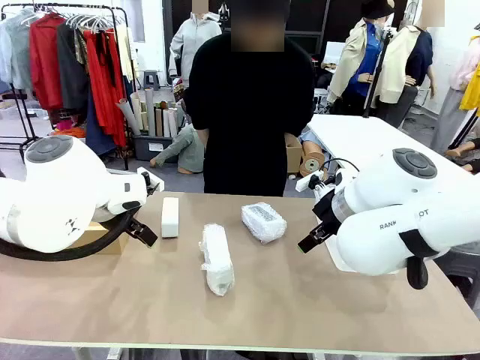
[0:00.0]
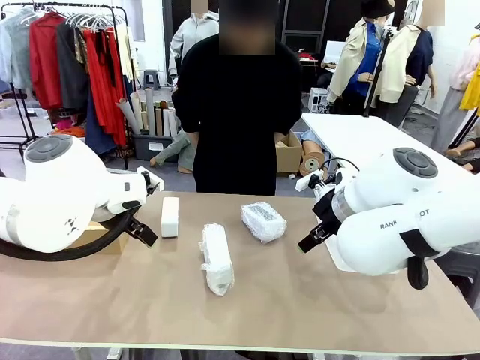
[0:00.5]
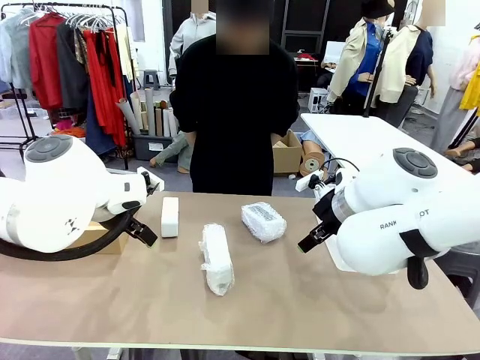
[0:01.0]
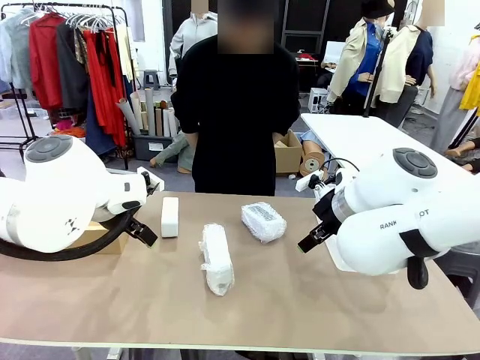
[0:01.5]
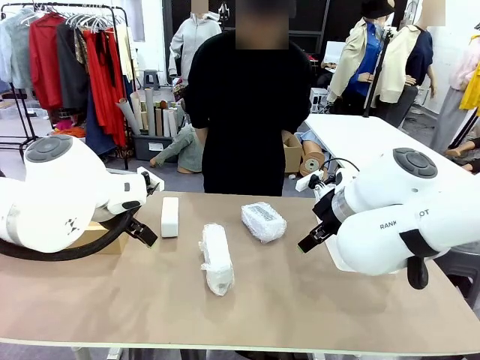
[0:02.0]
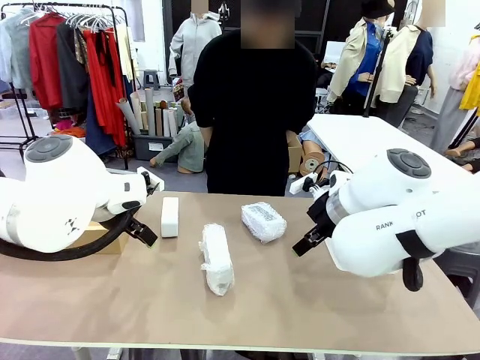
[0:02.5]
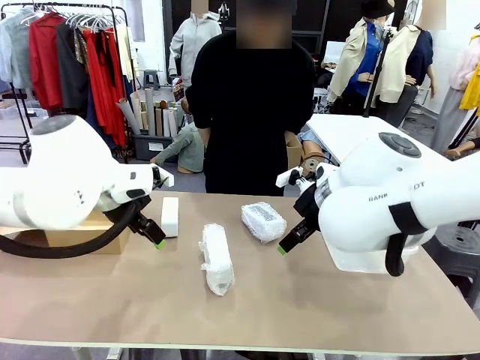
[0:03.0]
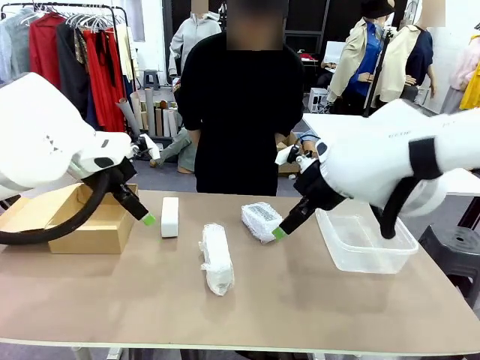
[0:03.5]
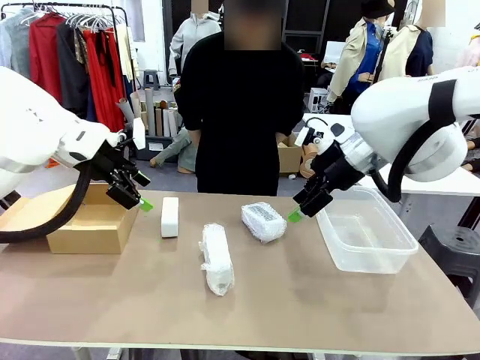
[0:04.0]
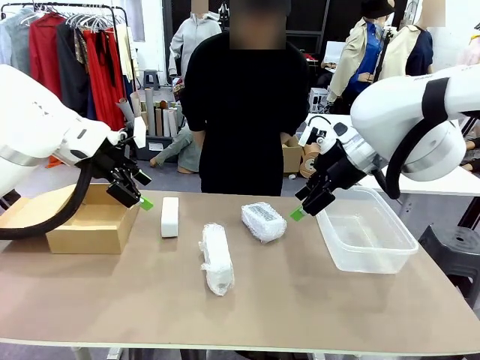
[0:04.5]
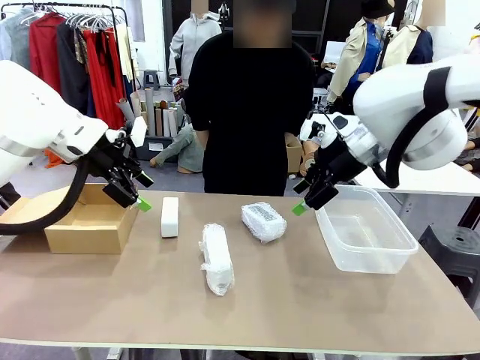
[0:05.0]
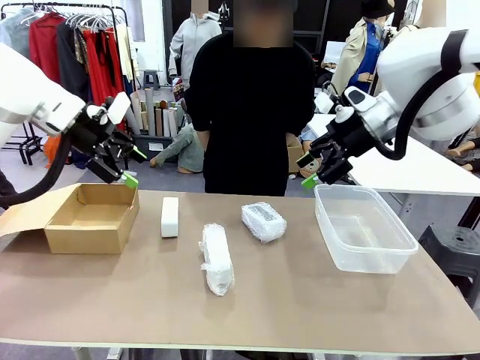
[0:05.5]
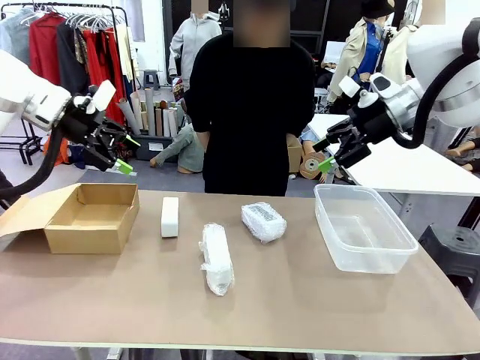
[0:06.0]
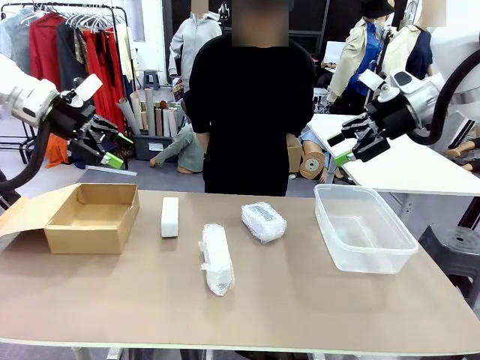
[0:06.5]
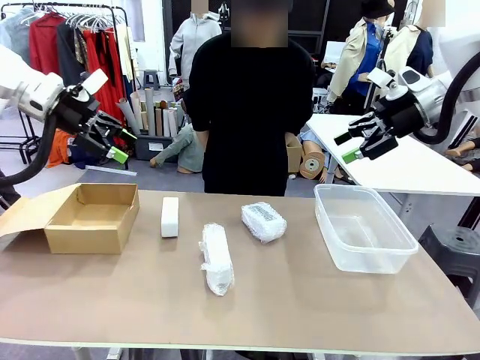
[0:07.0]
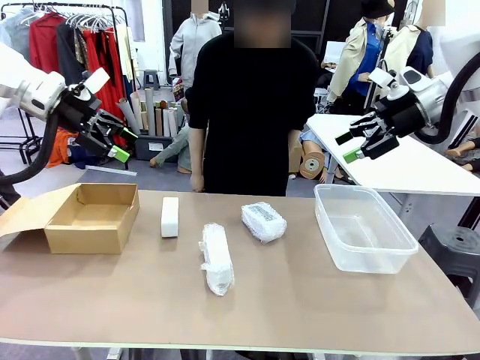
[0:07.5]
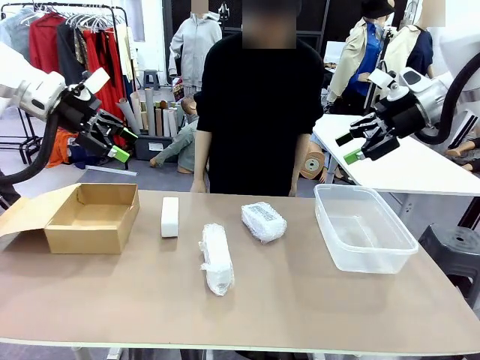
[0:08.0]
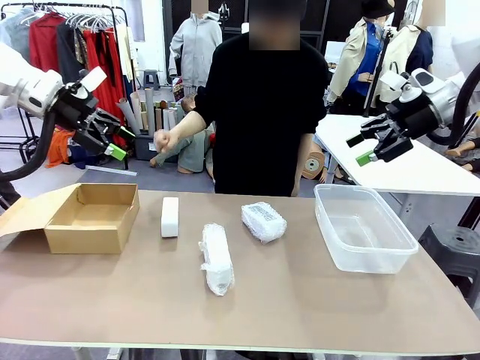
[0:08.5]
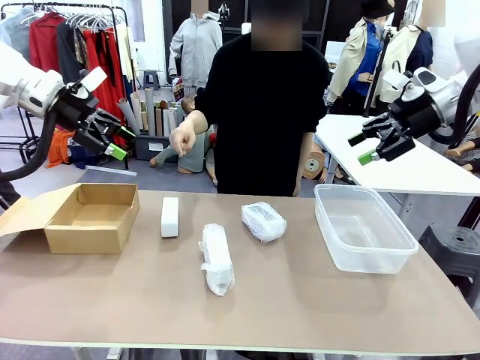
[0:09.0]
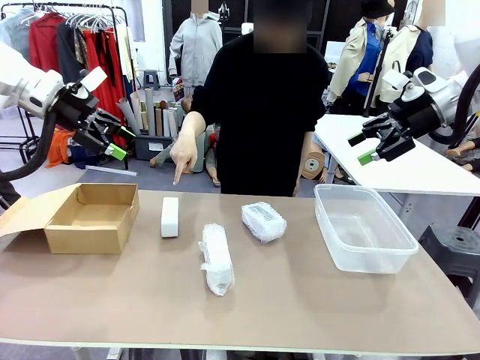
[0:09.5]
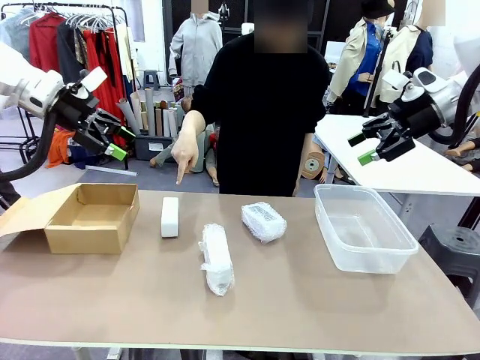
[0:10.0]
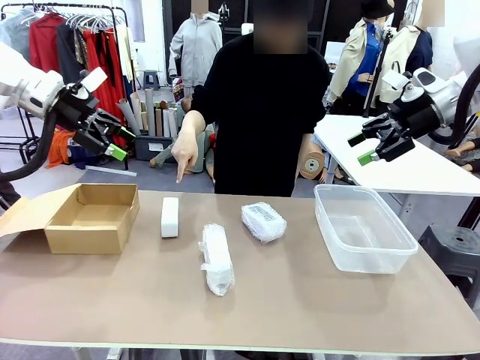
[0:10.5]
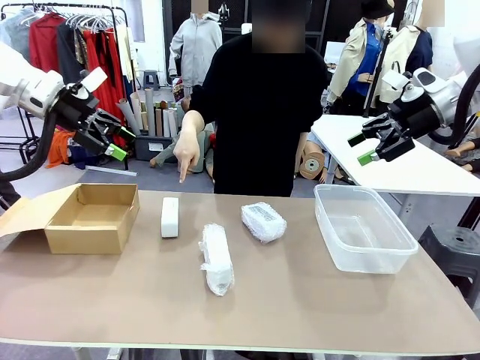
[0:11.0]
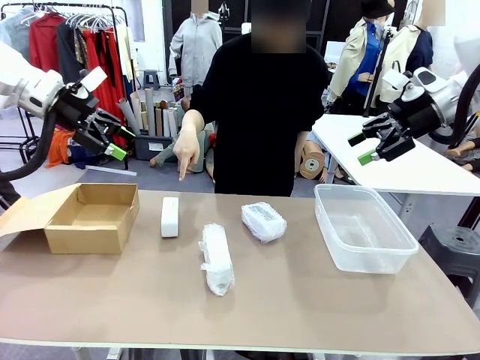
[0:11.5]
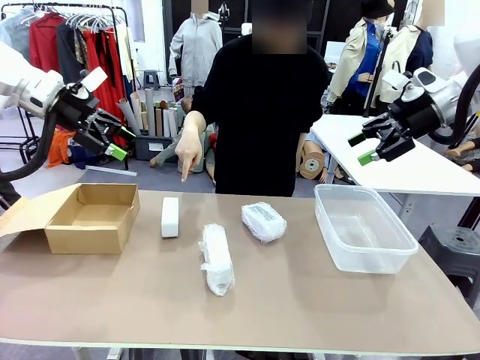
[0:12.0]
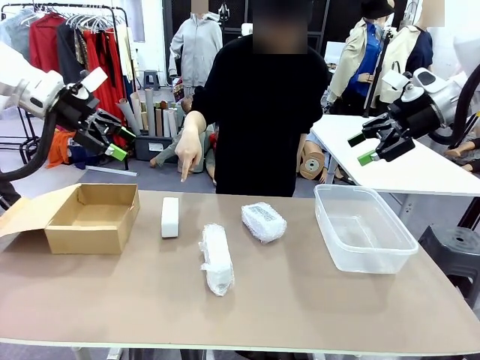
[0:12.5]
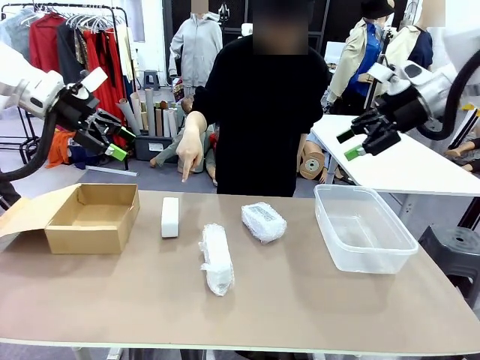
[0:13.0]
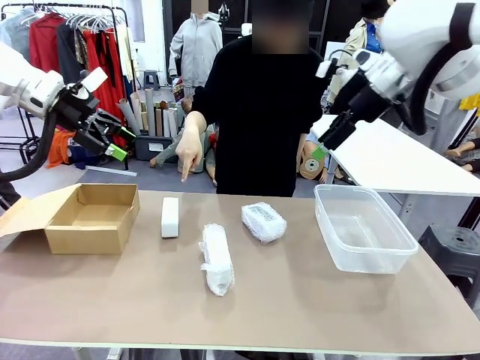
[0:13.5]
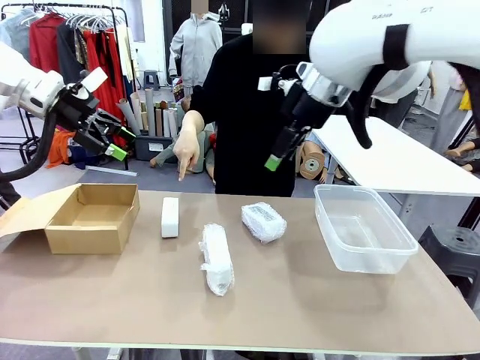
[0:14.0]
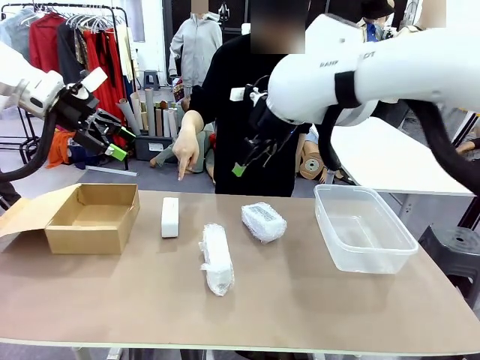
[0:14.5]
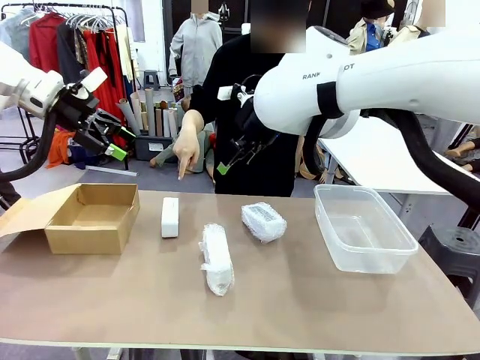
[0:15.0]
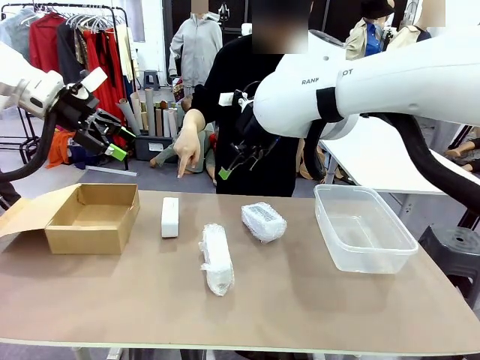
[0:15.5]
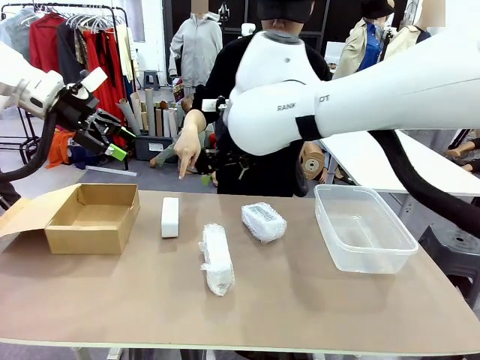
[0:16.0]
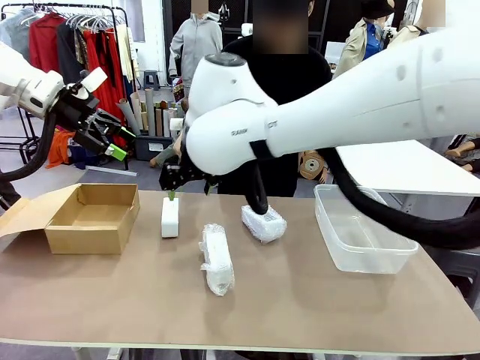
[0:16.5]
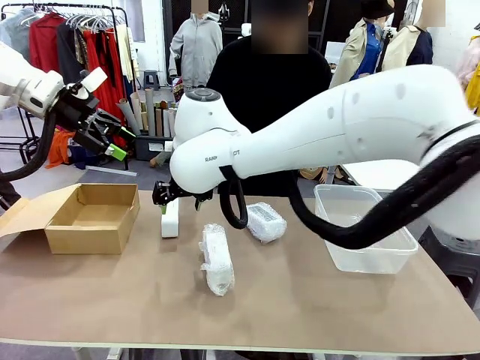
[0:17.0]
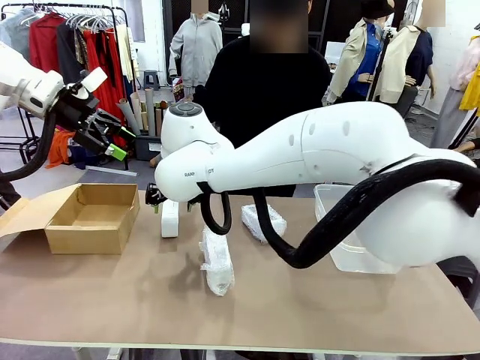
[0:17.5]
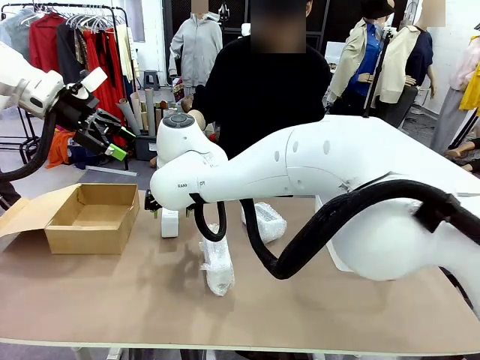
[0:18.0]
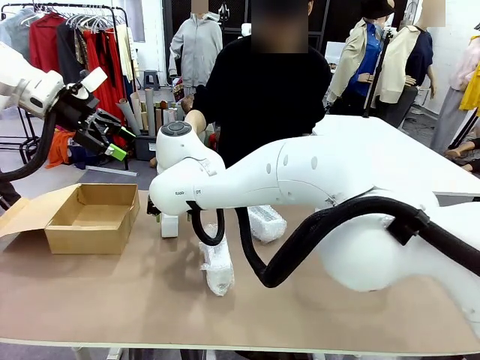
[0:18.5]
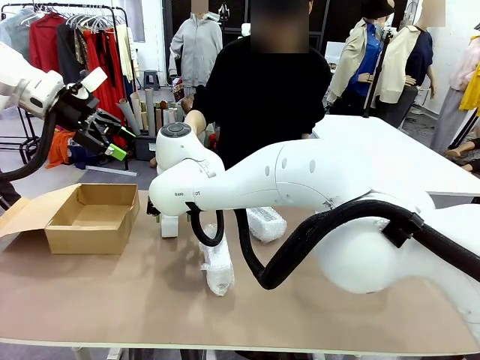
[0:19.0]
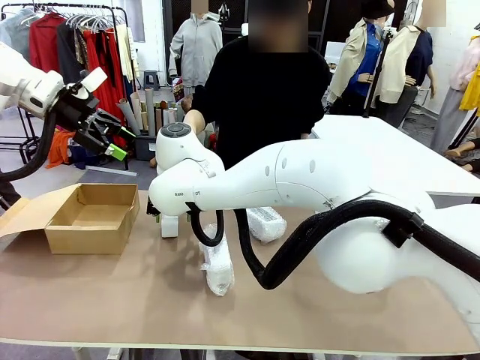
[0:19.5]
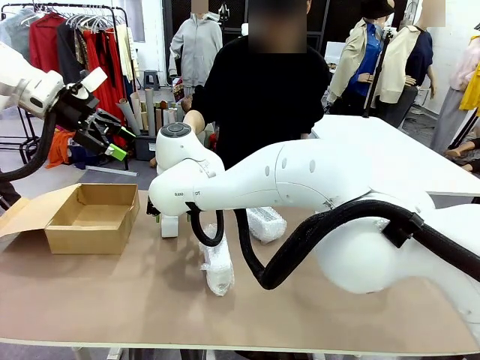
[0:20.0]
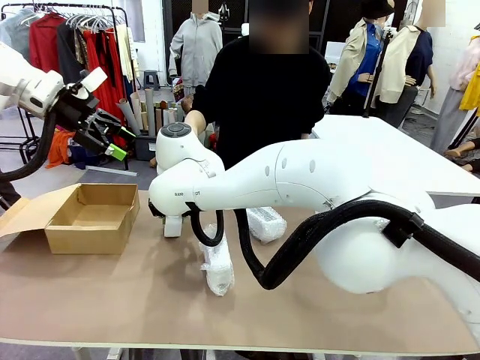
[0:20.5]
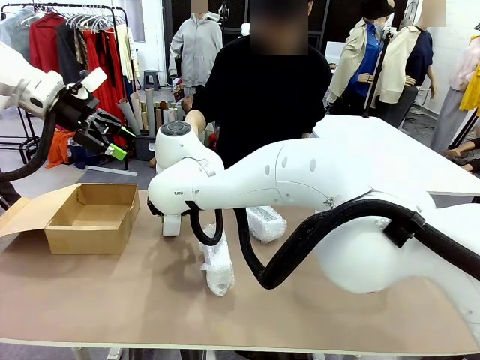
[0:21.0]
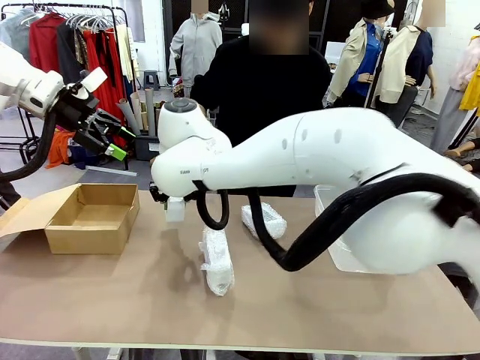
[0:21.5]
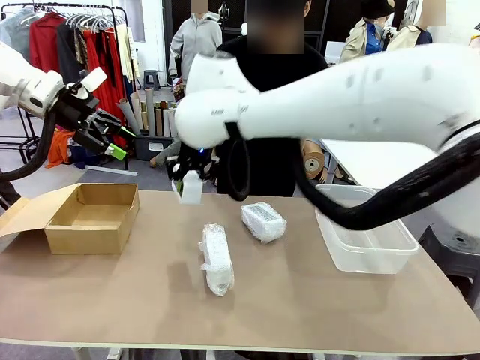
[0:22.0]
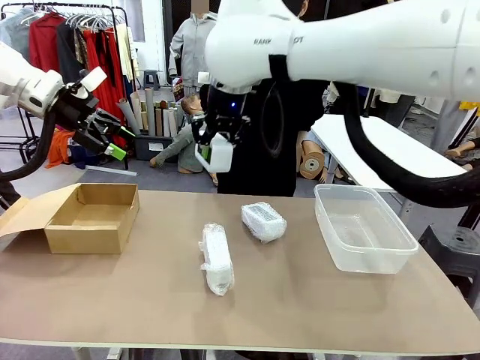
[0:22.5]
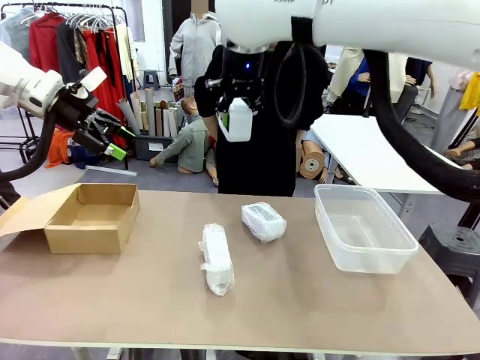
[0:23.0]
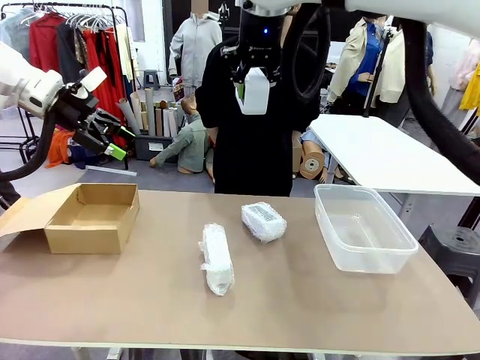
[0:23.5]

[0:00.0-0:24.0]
Task: Separate and place wrapped and unwrapped clocks.
Robot: Pick up the Digital clock indicated by the person.
